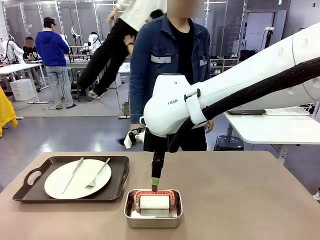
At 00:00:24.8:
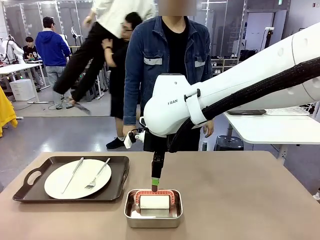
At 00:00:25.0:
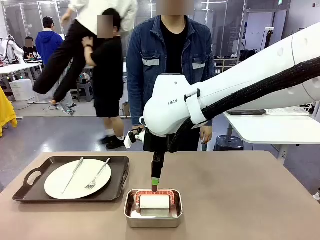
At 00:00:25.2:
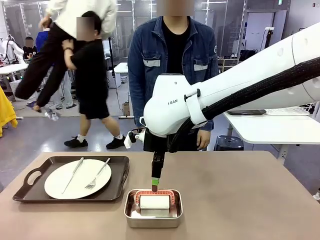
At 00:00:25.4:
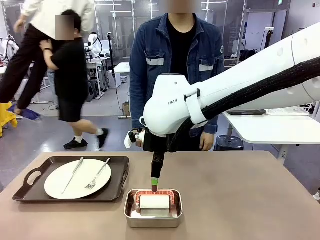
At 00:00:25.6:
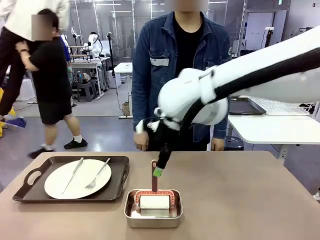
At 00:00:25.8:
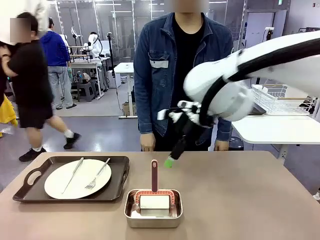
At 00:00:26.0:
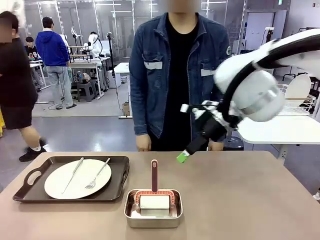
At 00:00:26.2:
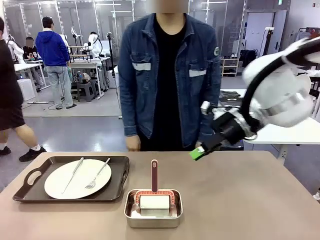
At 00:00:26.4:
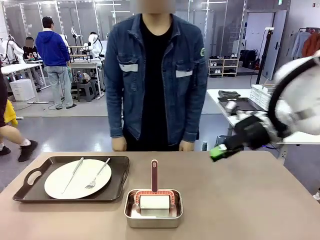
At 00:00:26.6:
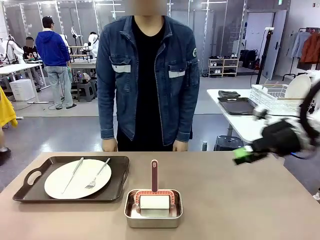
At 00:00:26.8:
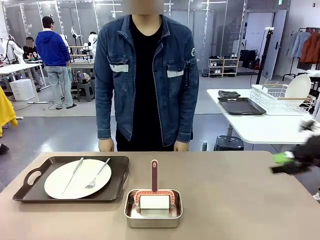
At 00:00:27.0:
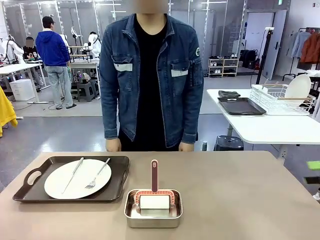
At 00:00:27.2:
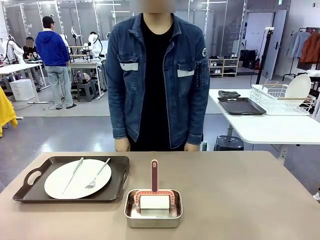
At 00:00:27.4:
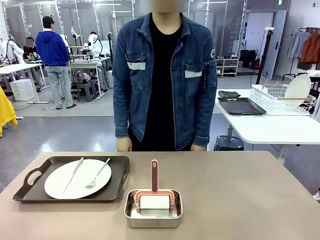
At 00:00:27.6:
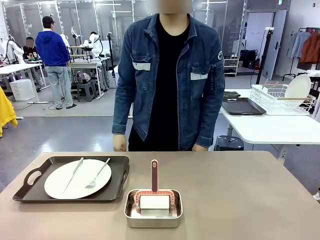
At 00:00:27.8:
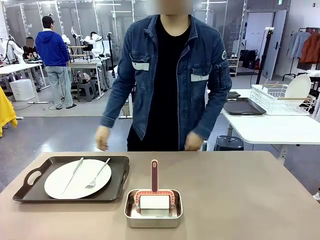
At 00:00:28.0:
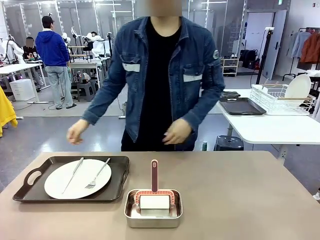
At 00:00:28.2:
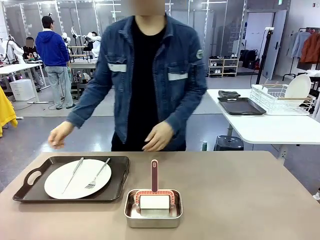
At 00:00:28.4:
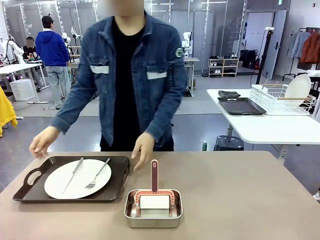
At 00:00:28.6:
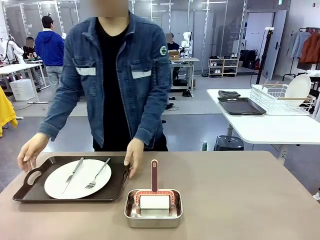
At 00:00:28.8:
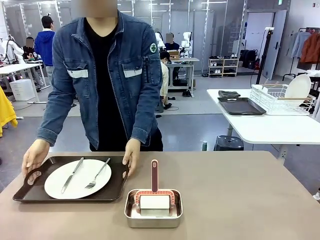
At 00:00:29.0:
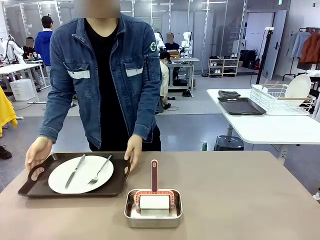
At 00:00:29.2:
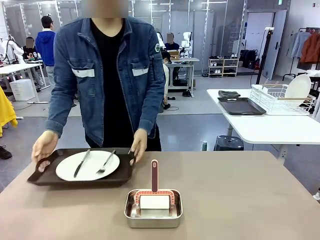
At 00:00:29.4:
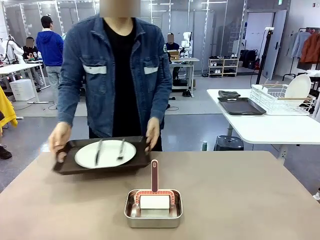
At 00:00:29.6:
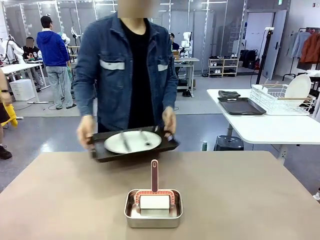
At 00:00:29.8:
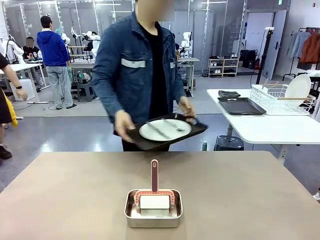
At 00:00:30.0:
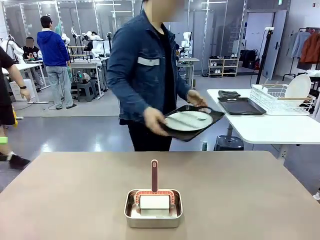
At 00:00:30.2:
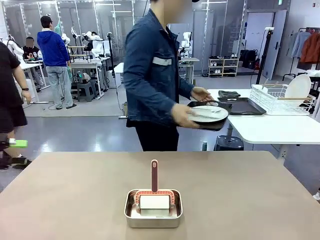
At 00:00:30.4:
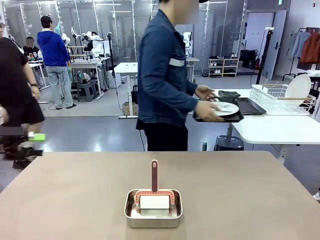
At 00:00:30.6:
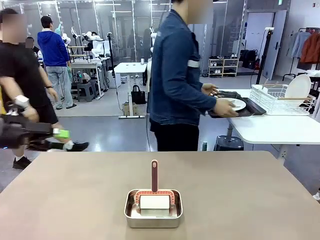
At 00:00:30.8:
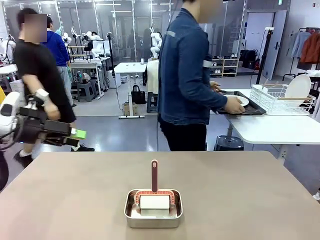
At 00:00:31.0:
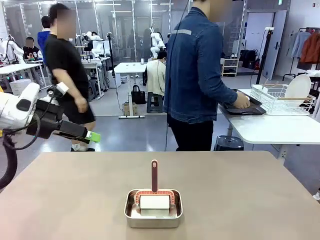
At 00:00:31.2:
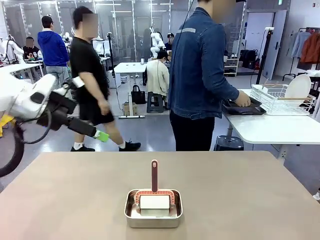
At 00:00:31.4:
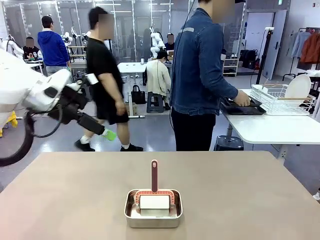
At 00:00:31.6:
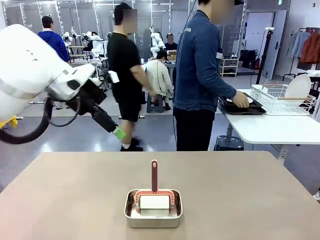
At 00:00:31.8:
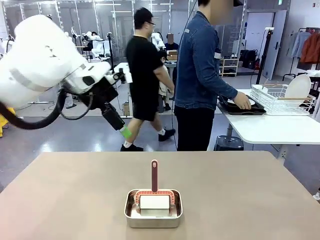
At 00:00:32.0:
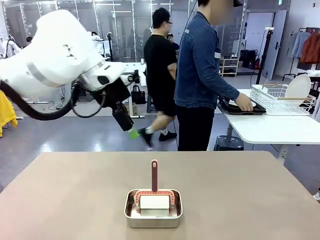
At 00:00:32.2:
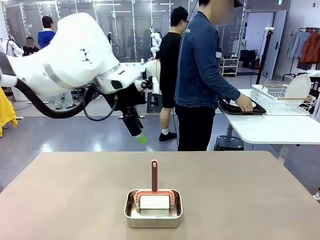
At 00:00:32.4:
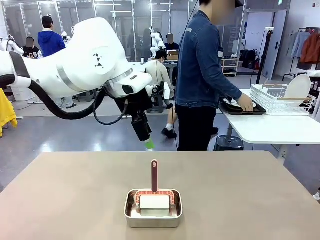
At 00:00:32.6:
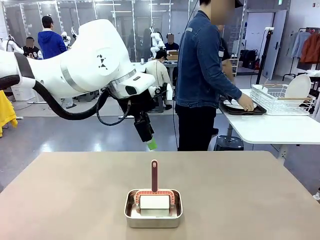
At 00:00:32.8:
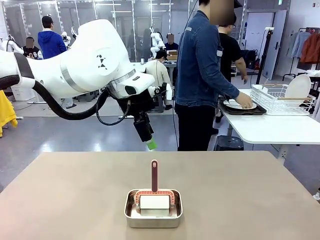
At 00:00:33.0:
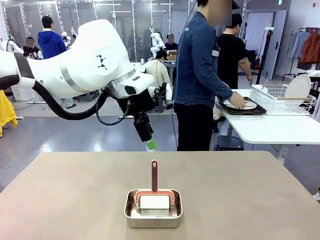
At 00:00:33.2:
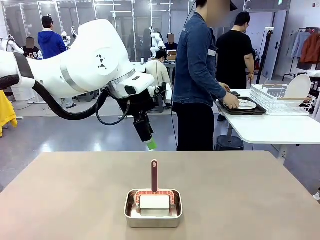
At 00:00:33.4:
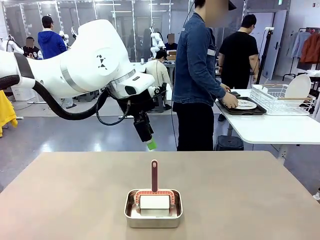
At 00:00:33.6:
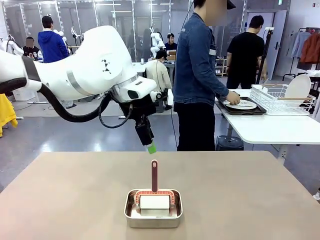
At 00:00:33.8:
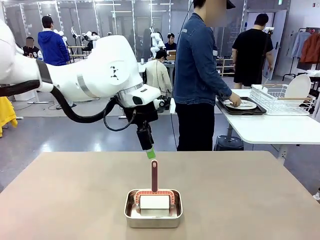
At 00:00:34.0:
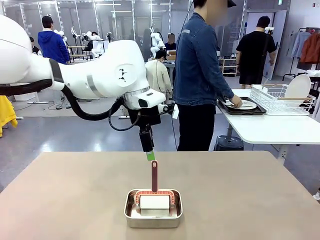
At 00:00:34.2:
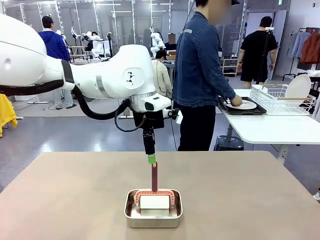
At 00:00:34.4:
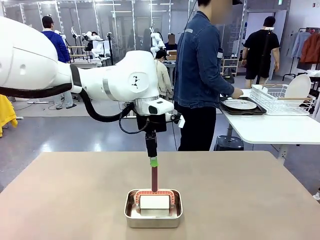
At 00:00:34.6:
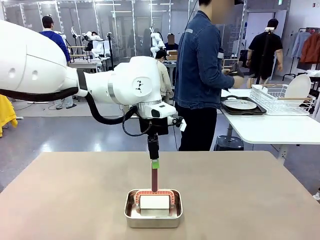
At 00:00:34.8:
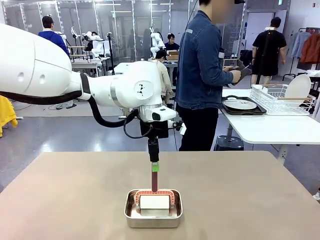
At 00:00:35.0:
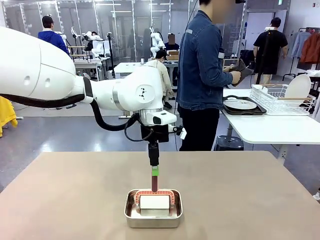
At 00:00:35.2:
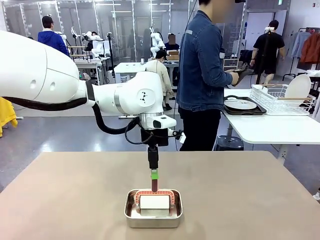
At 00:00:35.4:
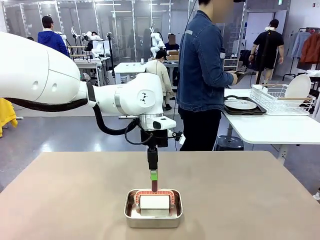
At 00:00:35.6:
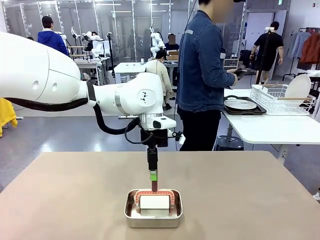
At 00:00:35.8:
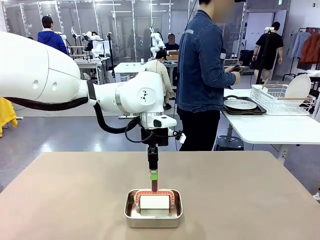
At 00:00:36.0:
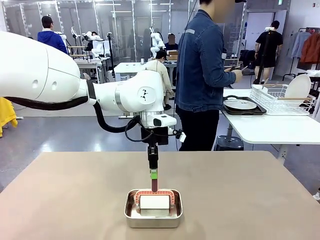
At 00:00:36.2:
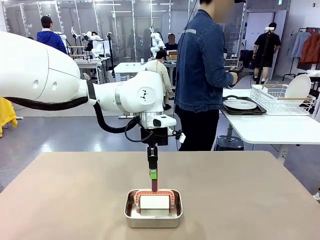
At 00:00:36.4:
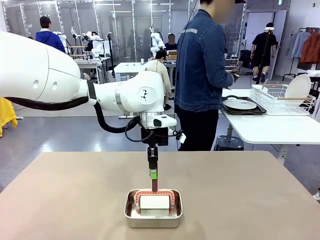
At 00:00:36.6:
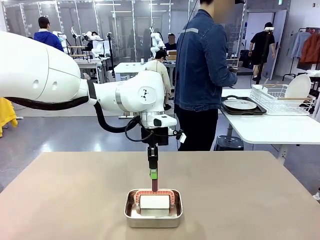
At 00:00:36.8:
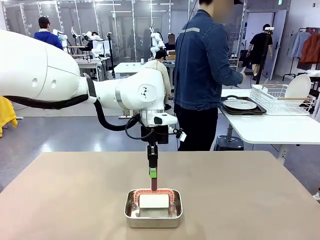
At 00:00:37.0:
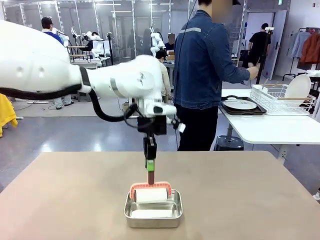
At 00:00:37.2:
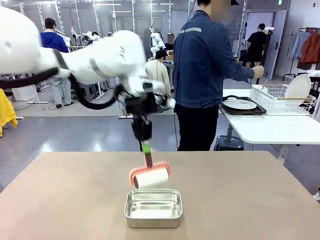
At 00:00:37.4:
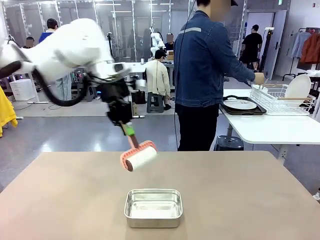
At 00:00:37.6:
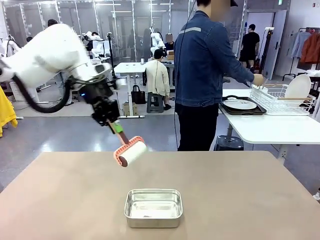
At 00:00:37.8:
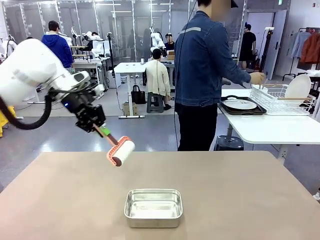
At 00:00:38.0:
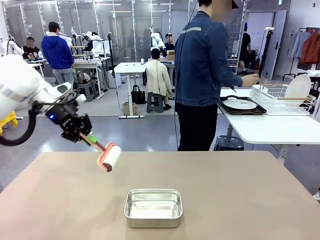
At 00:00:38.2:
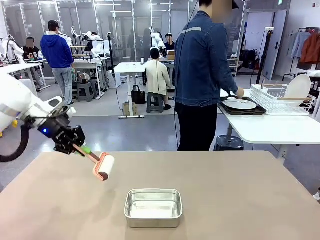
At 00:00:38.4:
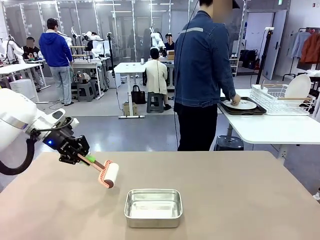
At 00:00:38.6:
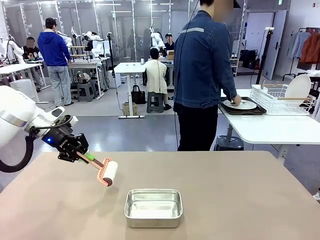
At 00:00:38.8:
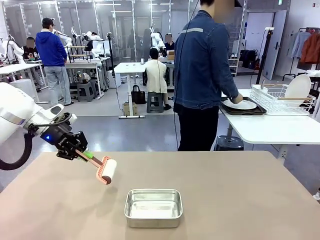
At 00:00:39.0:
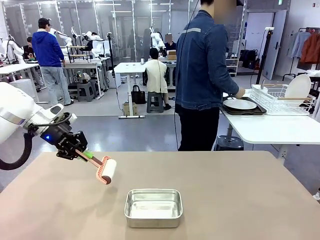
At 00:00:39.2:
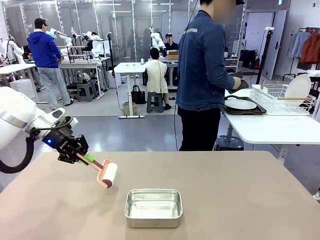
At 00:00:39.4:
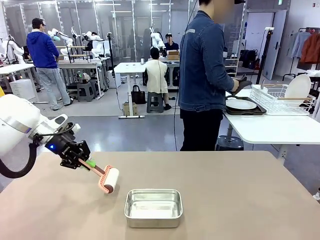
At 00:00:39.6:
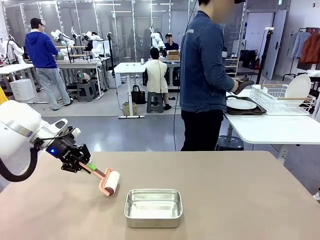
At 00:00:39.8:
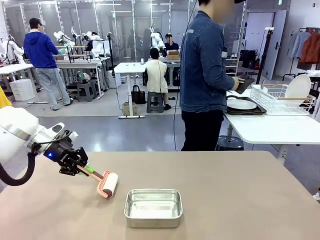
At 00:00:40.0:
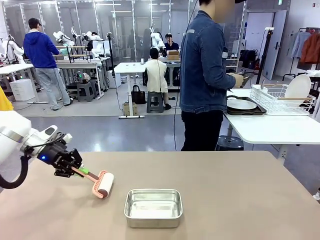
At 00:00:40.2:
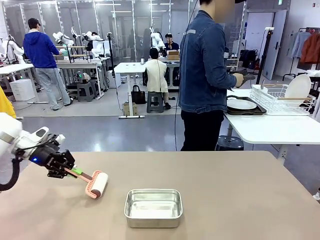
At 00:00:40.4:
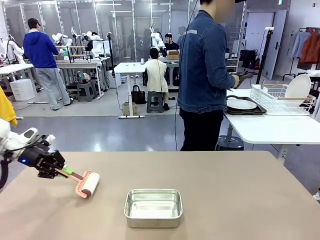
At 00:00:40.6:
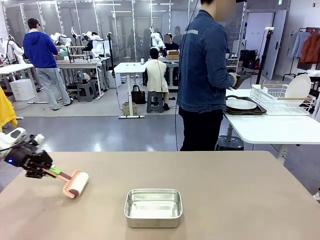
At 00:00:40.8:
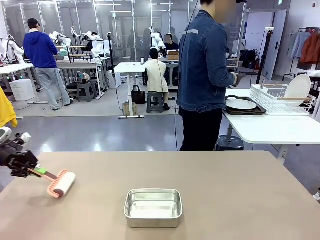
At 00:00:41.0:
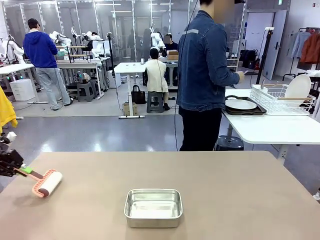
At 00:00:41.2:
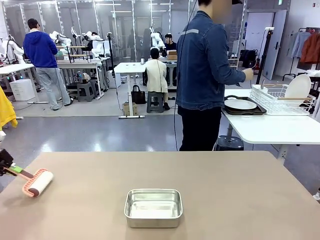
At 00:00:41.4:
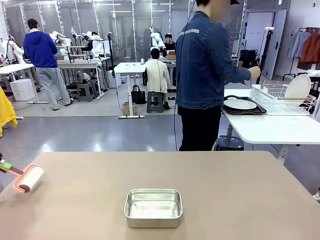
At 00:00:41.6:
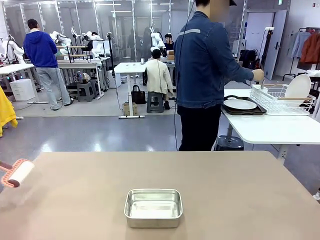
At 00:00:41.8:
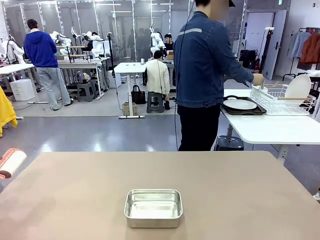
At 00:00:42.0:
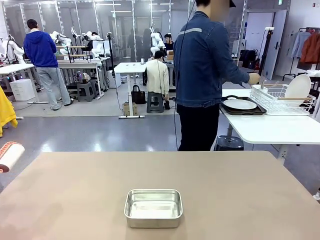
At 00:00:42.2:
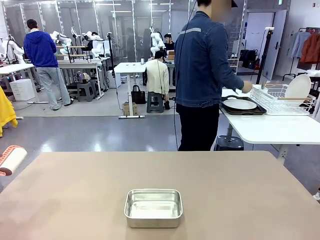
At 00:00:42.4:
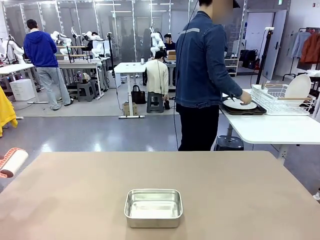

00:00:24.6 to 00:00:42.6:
Robot: When the right (or left) Handle tray is removed, use the right hand (or left hand) to clean the right (or left) side of the table with the Lint Roller.
Person: Pick up the left (or right) Handle tray and place it on the Handle tray.
